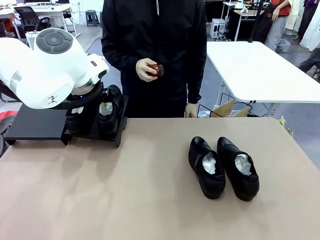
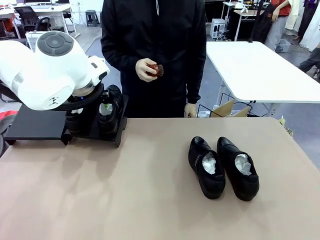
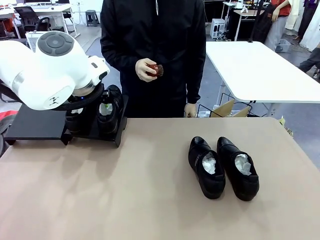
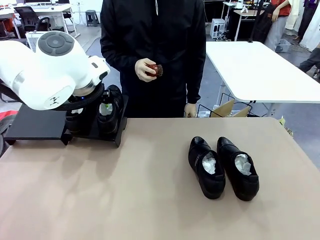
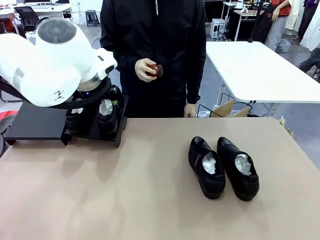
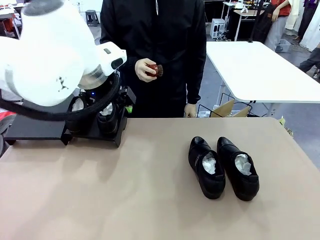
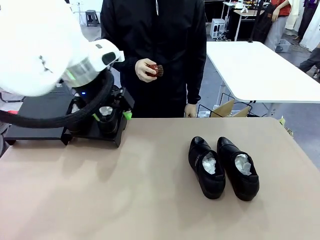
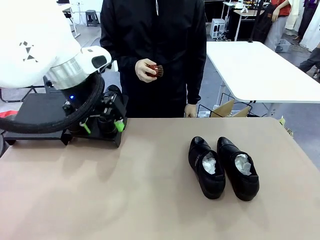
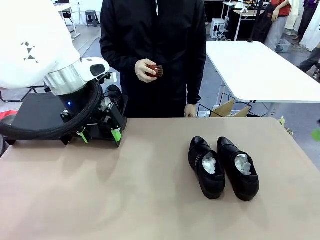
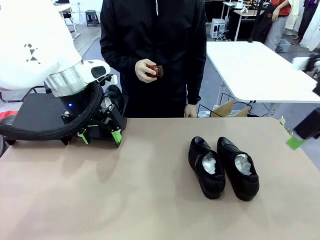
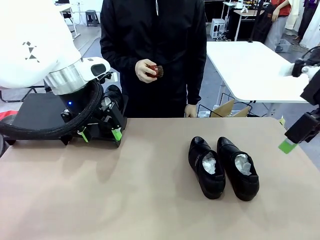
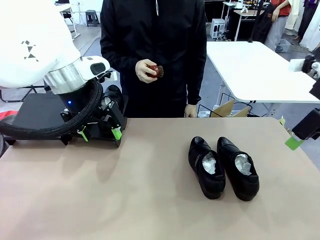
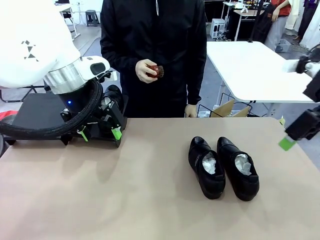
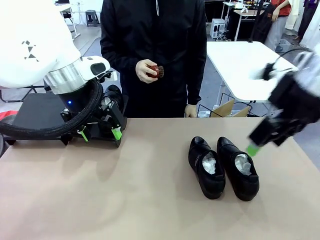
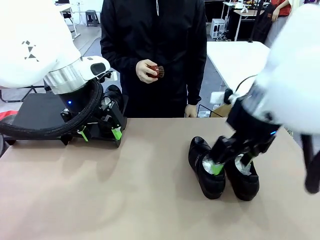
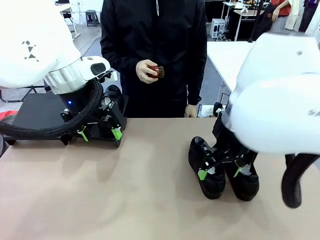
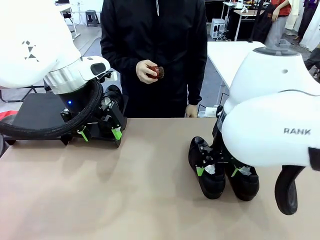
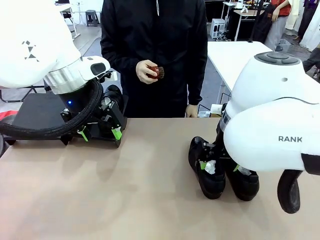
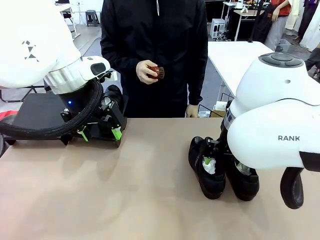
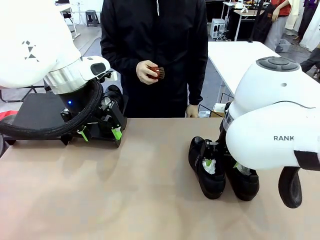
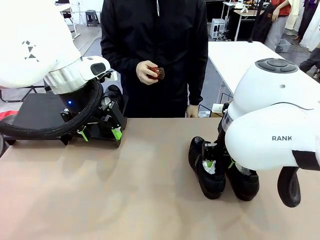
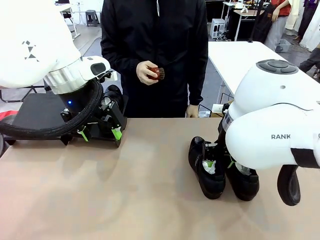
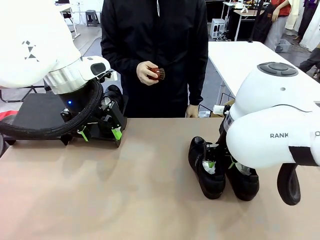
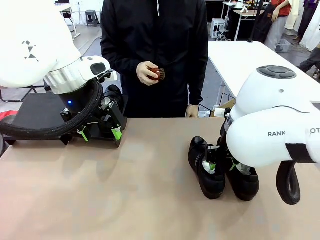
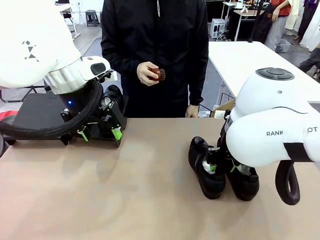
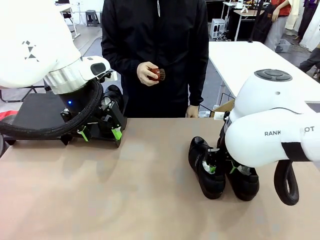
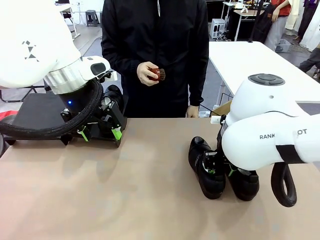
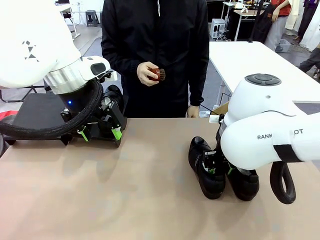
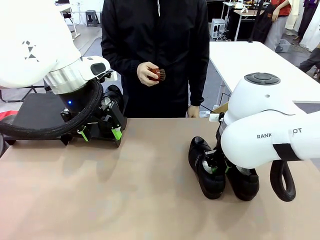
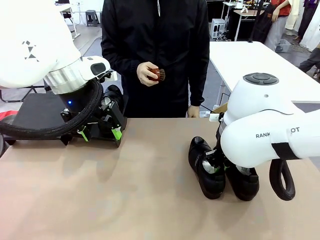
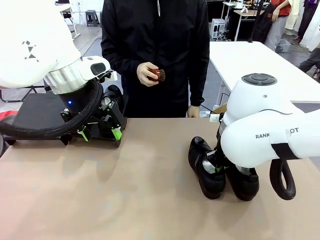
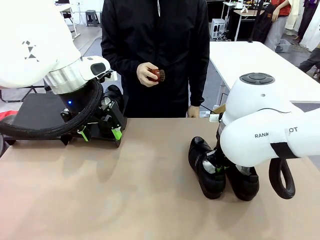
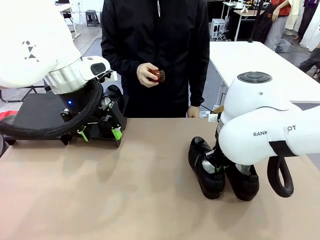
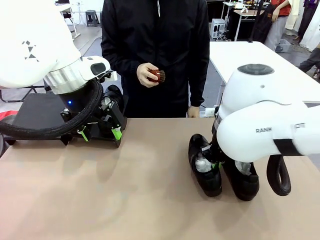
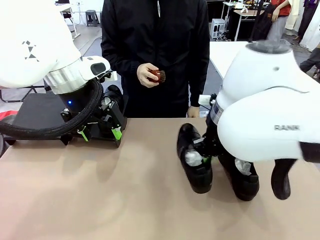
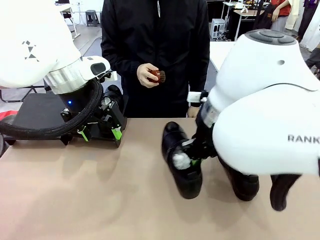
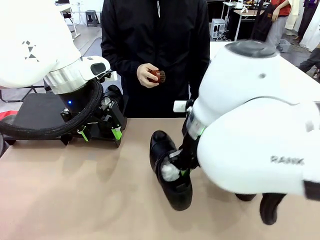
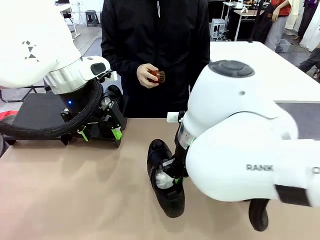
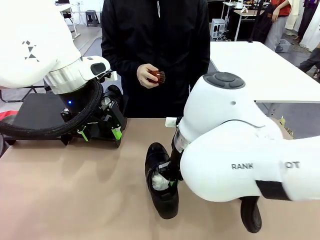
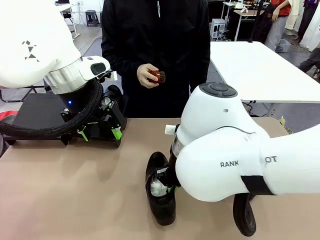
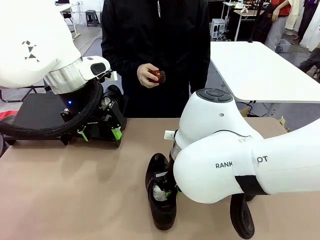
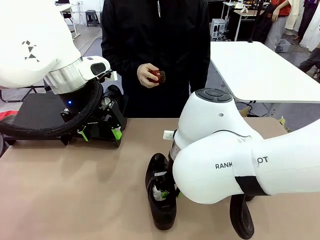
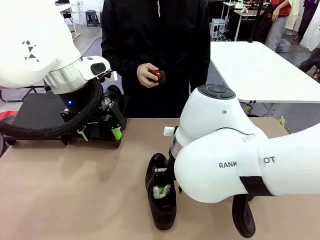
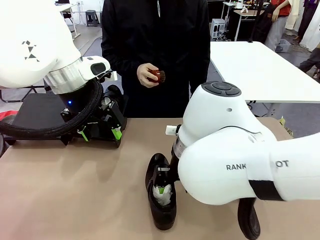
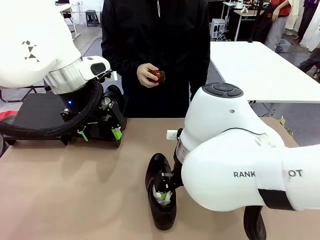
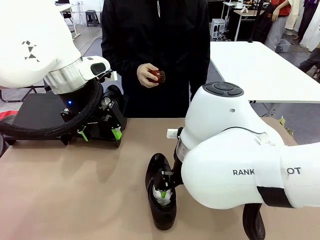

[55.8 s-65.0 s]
Task: Organize the shoes by placing them on the stand.
Robot: Pick up one Shoe and place it in the middle of the table.

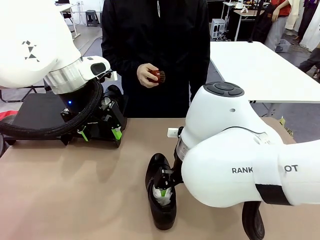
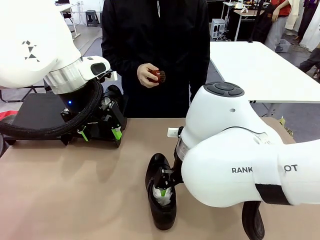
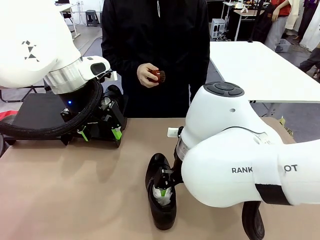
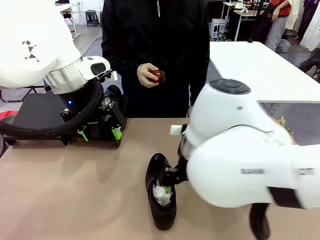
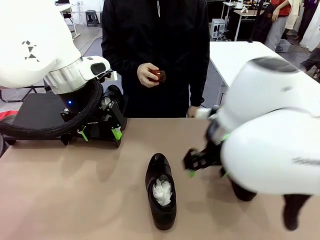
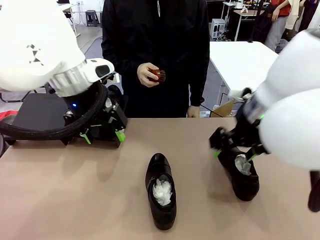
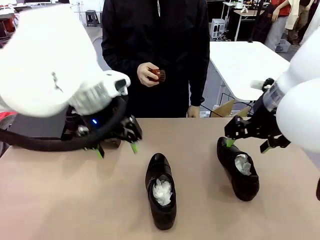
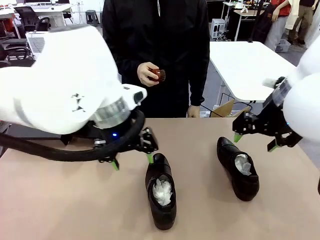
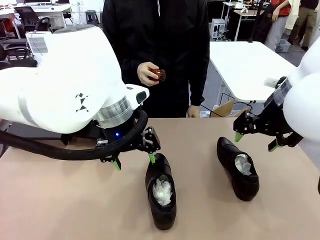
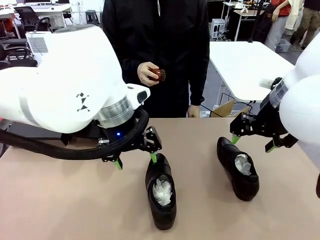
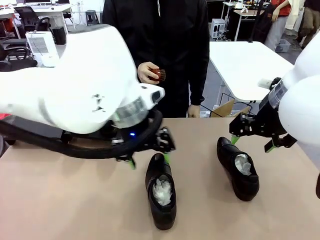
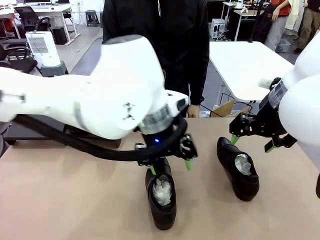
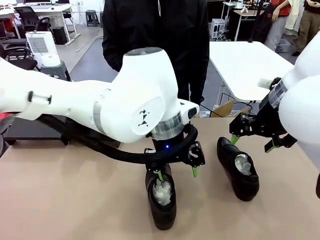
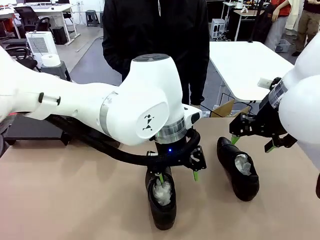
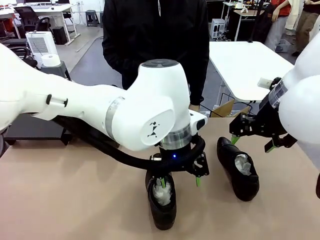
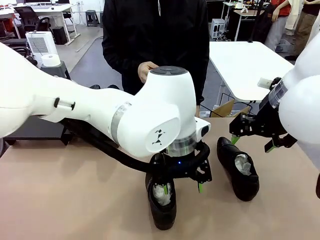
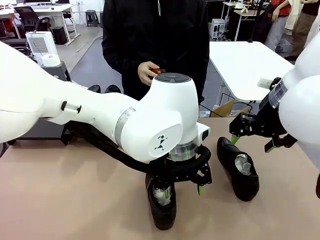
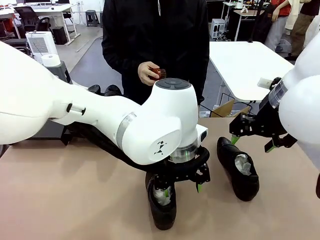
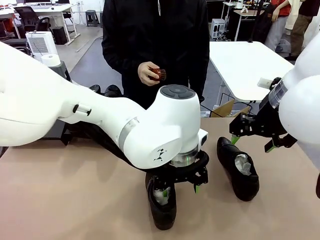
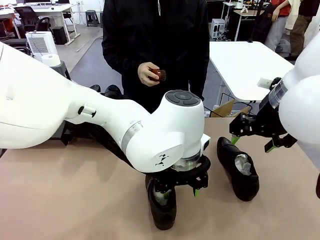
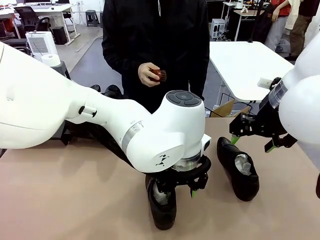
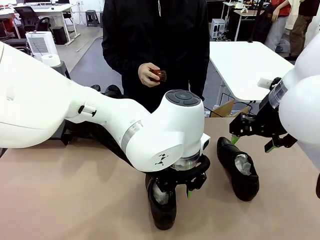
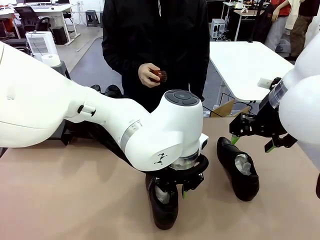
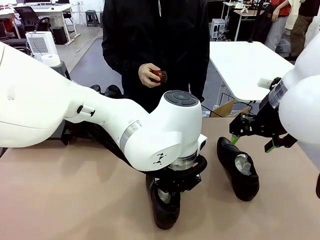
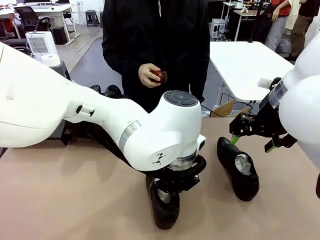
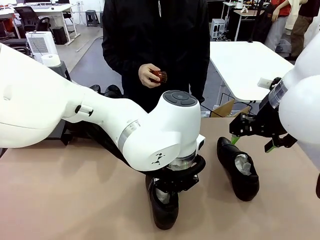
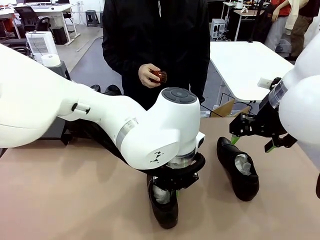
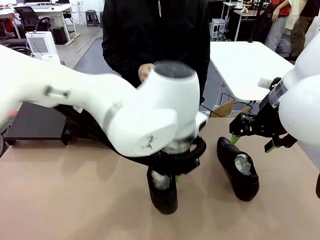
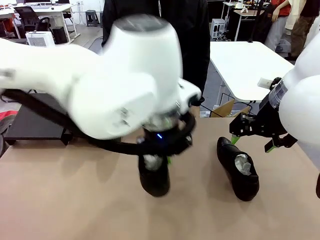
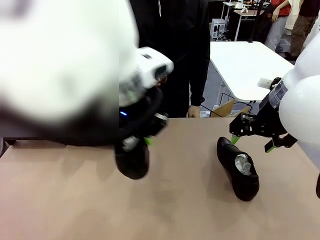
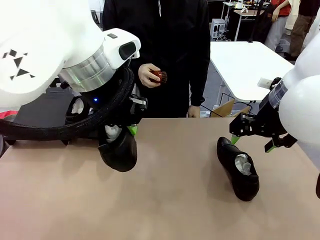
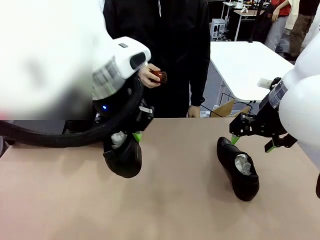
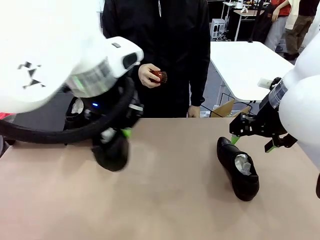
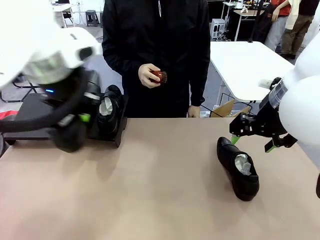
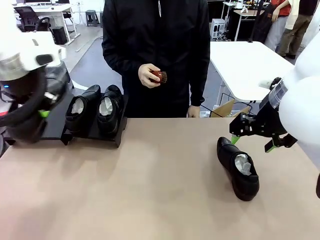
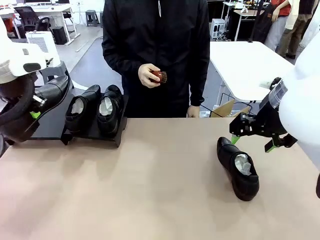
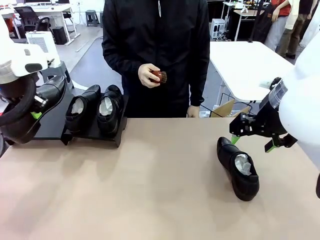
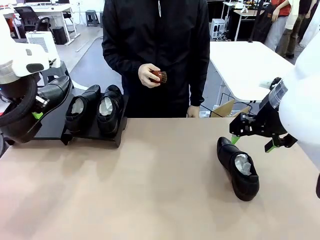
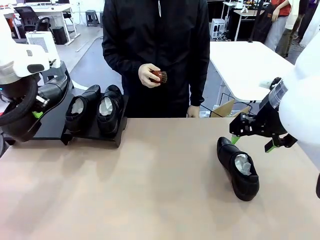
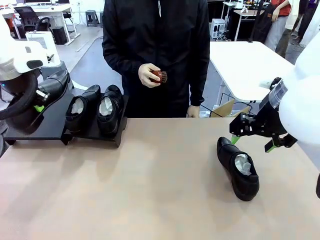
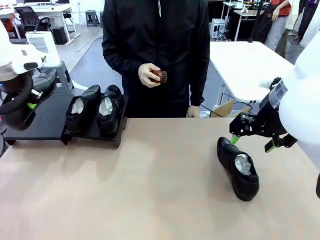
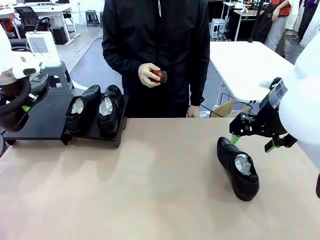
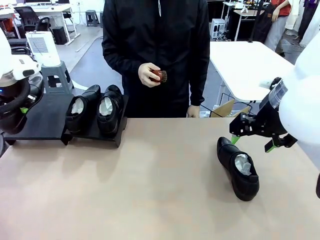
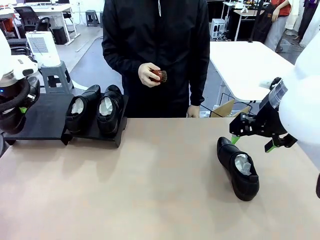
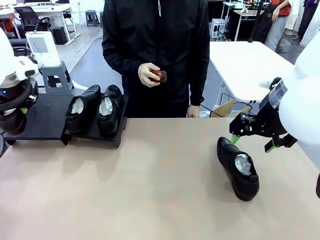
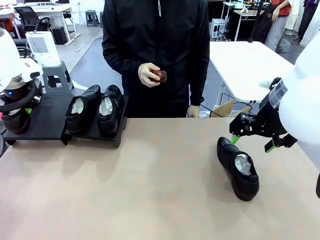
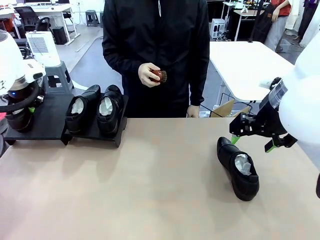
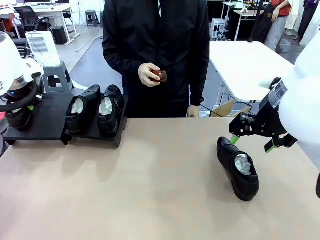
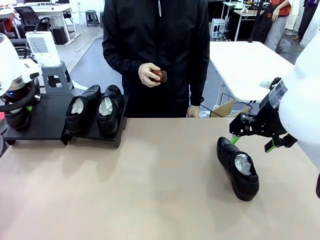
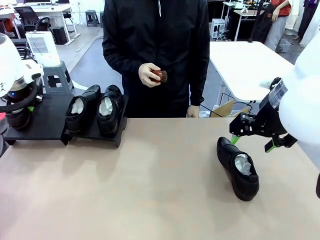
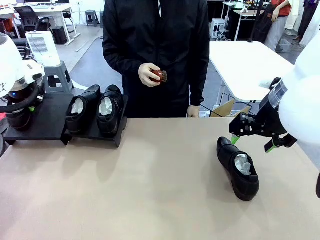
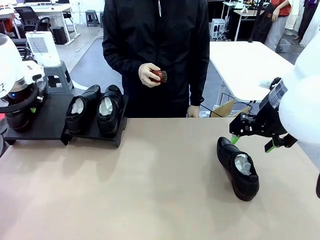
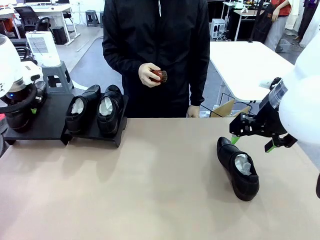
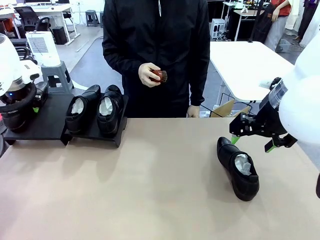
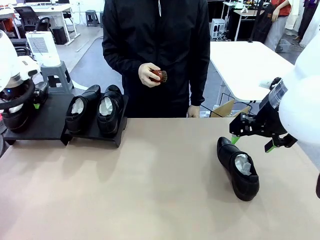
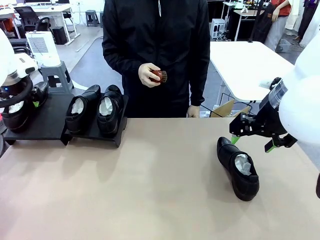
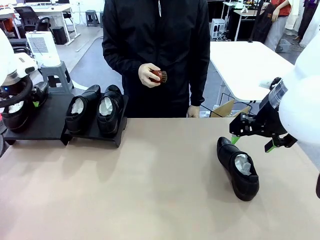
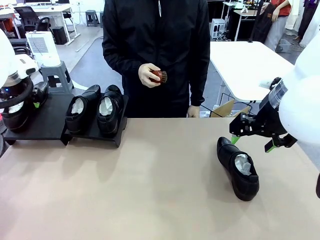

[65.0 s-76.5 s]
Robot: Place the Shoe from the middle of the table onto the Shoes Stand.
